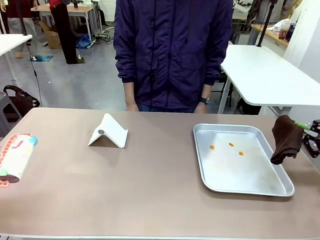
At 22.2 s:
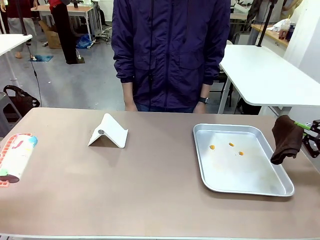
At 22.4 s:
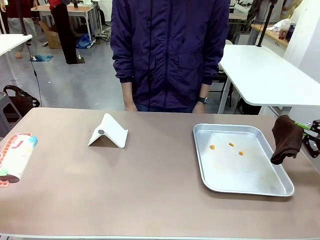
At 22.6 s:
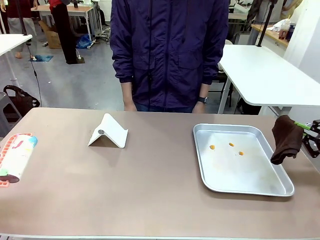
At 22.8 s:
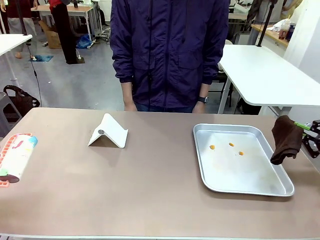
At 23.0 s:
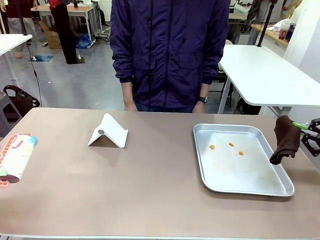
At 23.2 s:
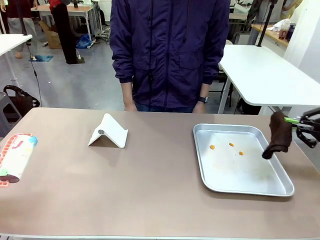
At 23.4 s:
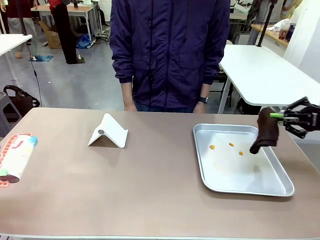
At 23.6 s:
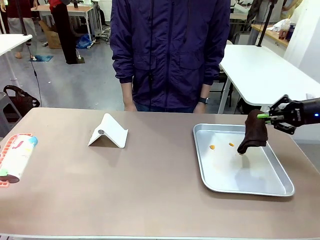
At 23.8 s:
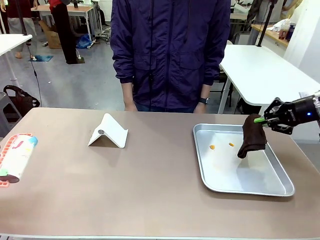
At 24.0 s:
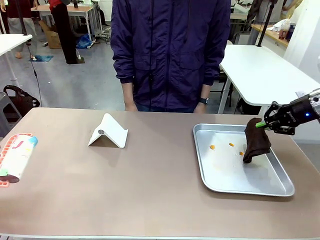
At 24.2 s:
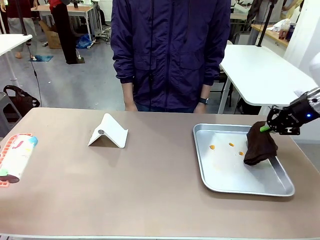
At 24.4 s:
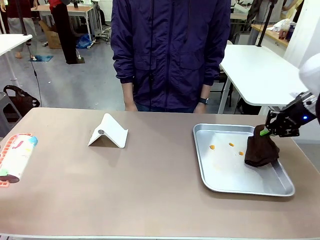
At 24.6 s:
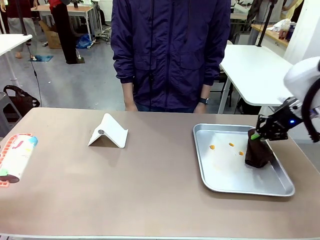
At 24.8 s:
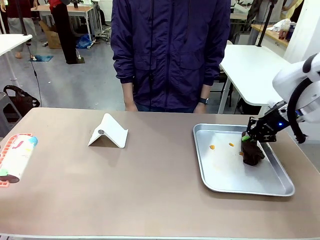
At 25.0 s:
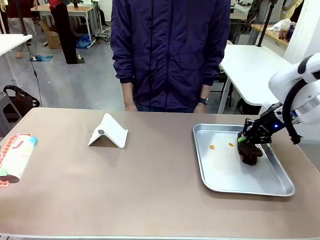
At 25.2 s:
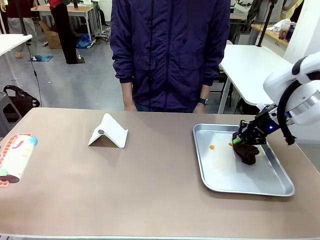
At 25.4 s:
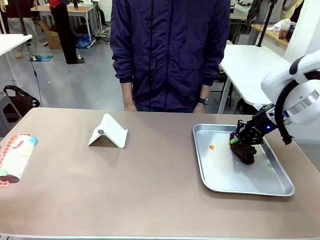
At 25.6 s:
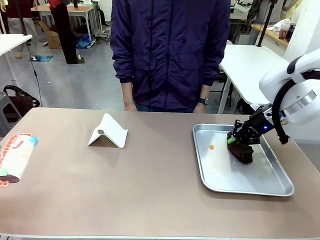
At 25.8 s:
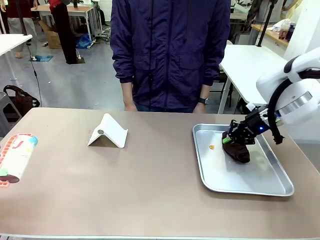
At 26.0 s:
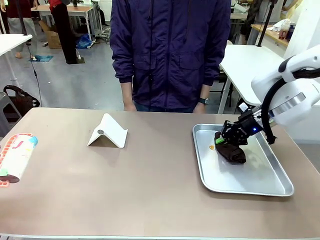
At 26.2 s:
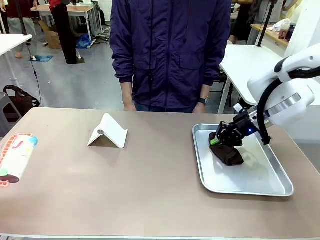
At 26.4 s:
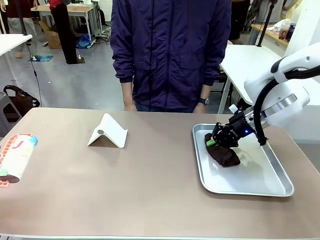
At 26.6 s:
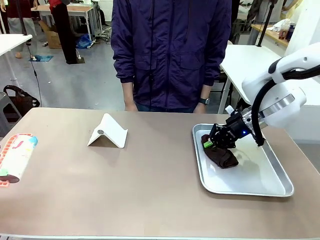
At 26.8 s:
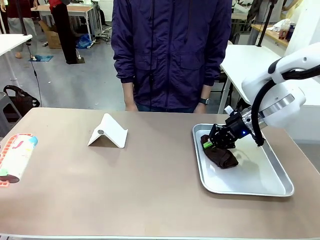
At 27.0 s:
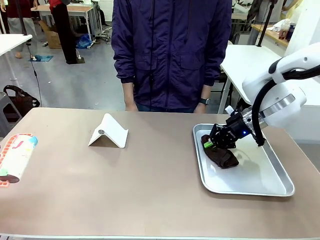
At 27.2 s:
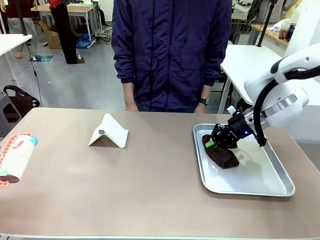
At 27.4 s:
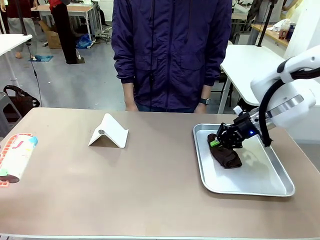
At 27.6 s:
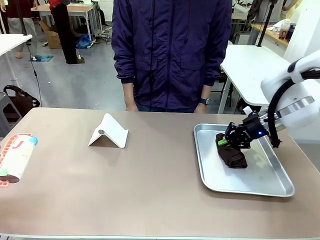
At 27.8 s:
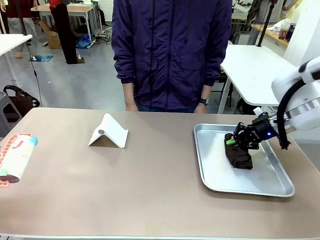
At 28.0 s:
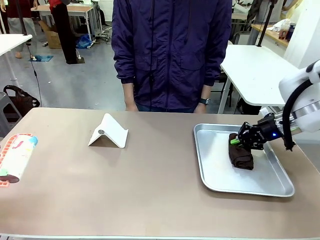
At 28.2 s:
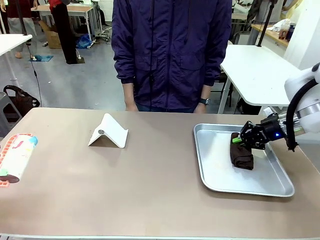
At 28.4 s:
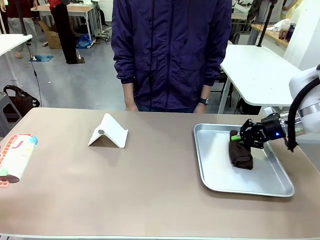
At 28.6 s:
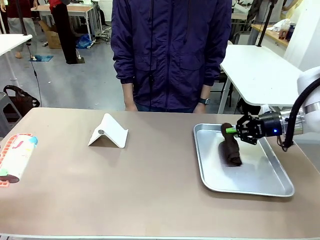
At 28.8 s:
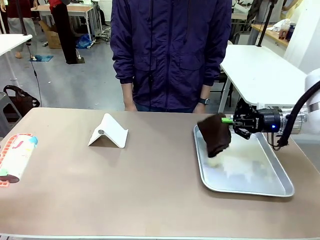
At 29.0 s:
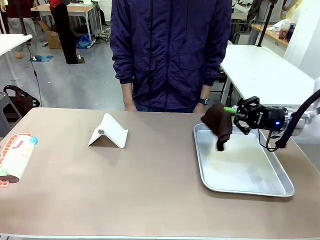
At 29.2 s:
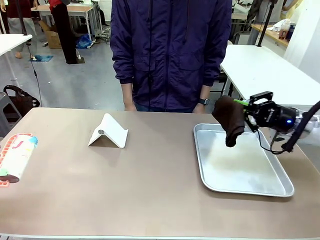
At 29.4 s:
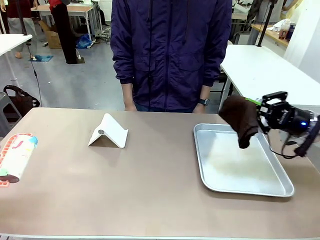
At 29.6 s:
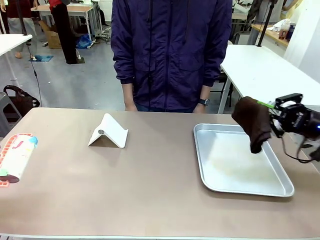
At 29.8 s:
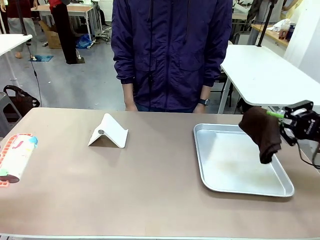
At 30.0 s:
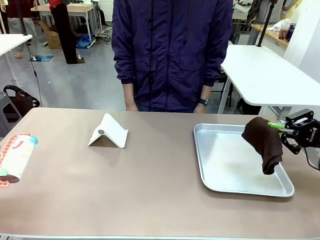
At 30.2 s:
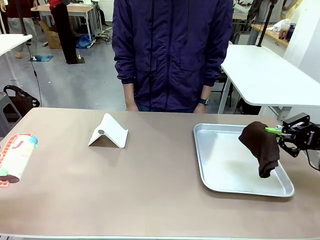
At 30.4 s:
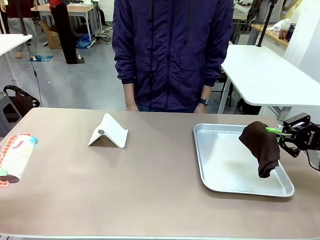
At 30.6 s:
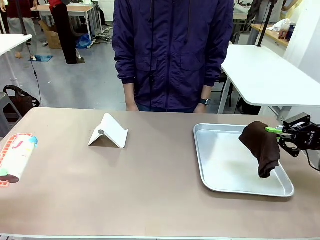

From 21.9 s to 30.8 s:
Task: Clean the surface of the table.
Robot: Clean the area not pointed to by the person.

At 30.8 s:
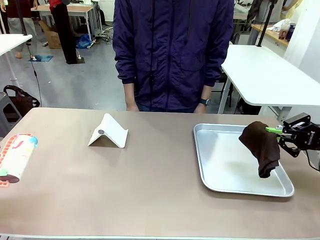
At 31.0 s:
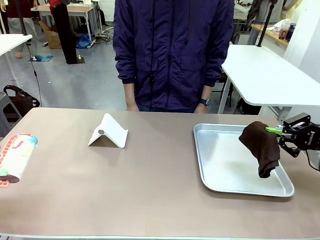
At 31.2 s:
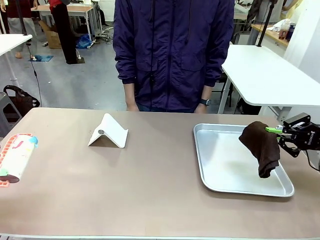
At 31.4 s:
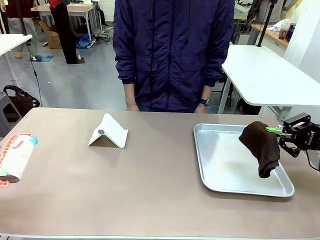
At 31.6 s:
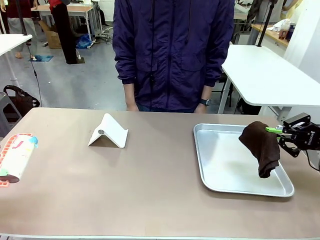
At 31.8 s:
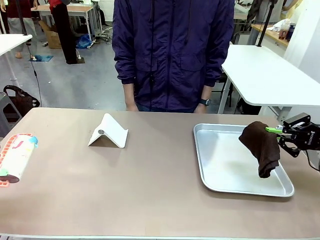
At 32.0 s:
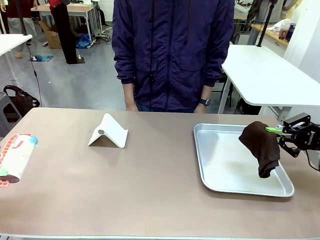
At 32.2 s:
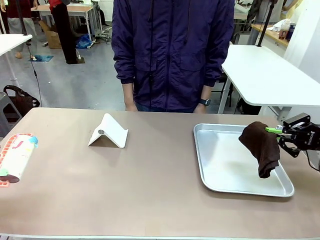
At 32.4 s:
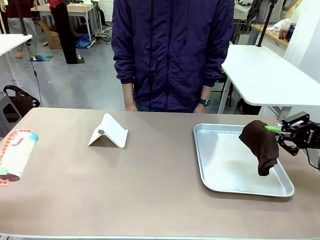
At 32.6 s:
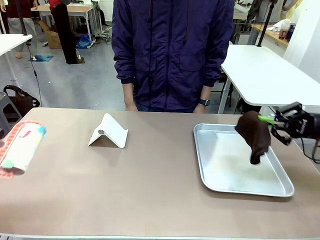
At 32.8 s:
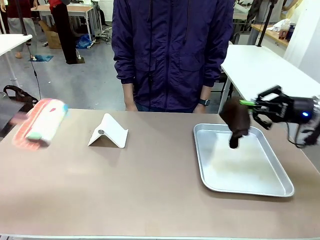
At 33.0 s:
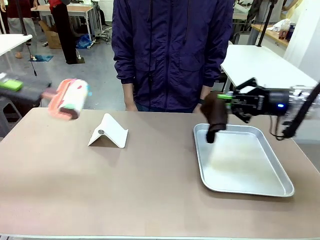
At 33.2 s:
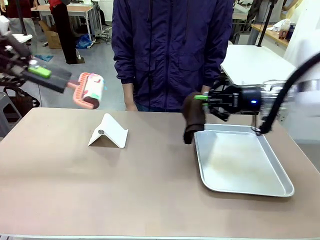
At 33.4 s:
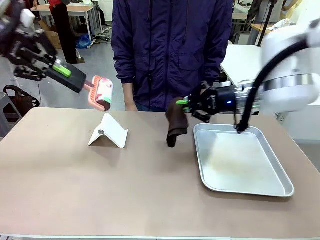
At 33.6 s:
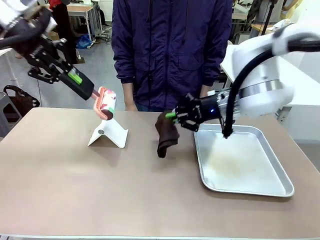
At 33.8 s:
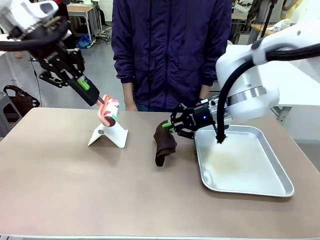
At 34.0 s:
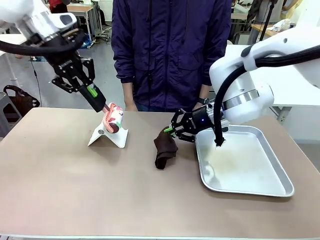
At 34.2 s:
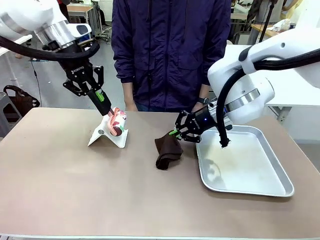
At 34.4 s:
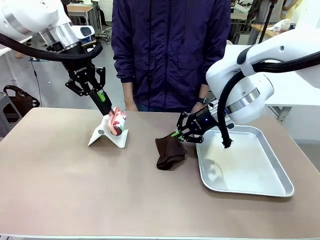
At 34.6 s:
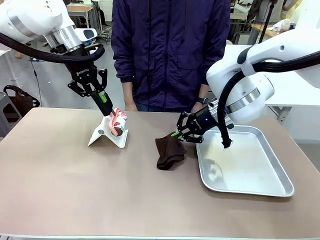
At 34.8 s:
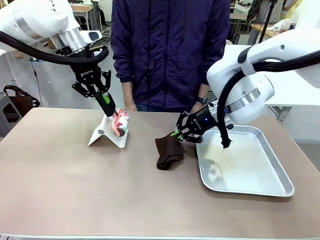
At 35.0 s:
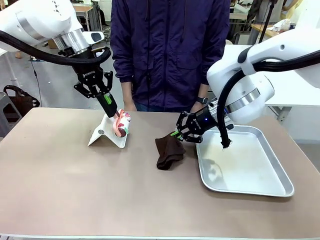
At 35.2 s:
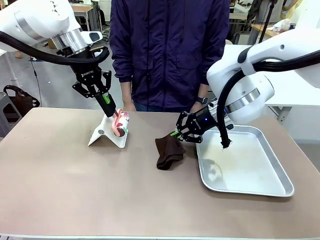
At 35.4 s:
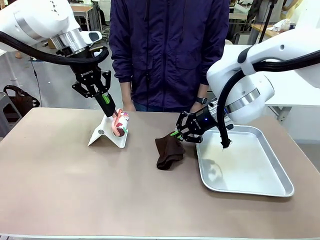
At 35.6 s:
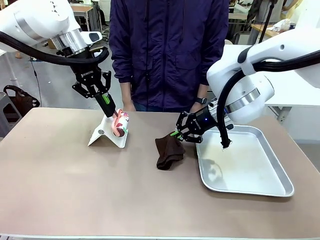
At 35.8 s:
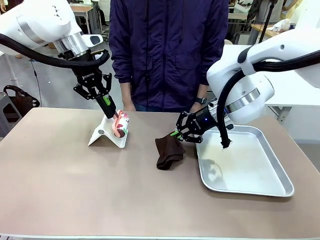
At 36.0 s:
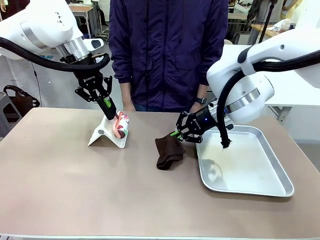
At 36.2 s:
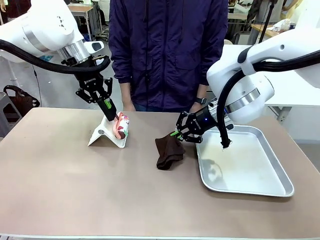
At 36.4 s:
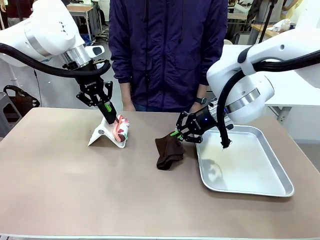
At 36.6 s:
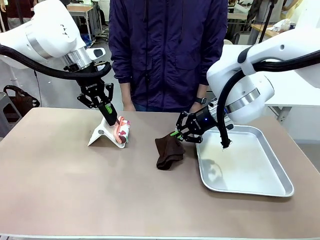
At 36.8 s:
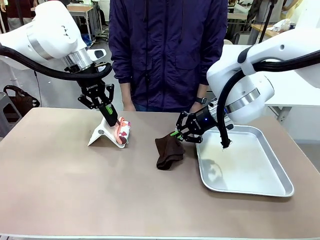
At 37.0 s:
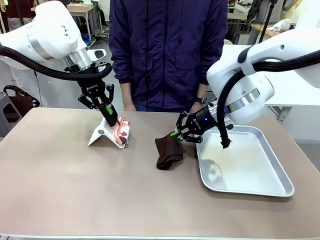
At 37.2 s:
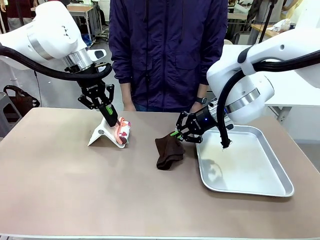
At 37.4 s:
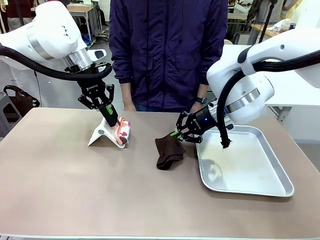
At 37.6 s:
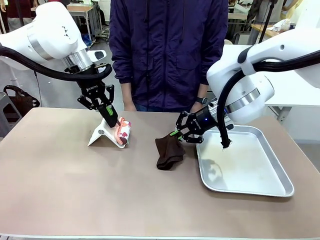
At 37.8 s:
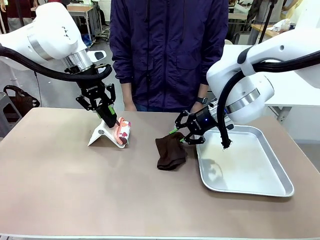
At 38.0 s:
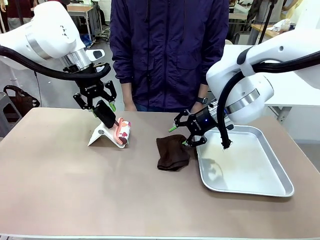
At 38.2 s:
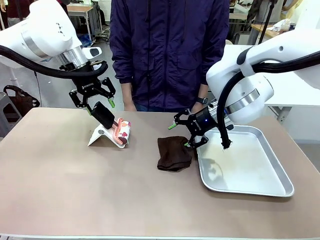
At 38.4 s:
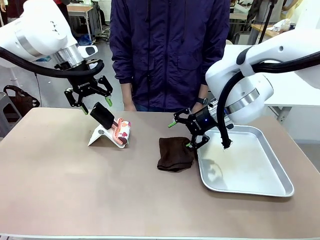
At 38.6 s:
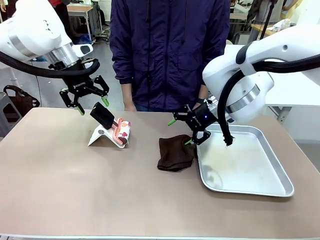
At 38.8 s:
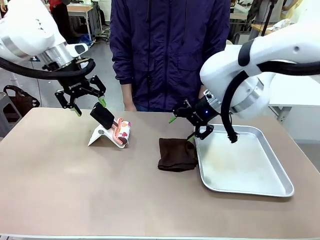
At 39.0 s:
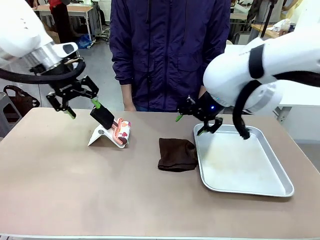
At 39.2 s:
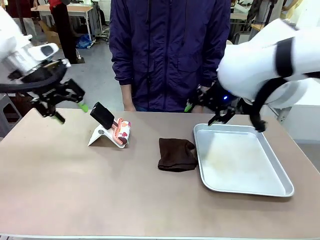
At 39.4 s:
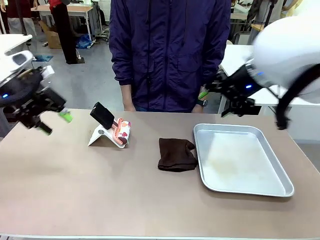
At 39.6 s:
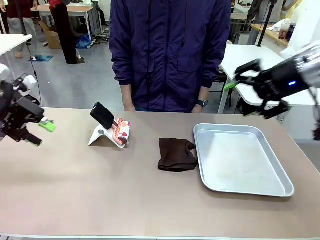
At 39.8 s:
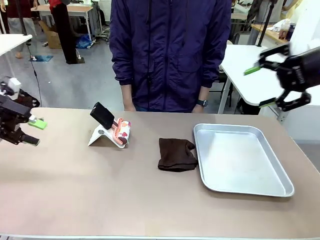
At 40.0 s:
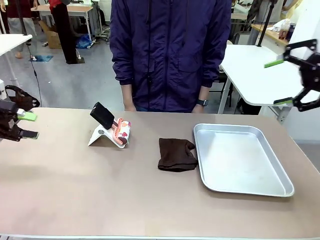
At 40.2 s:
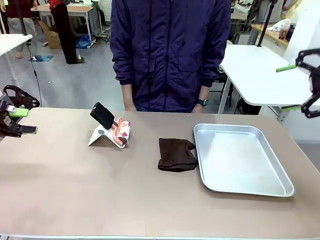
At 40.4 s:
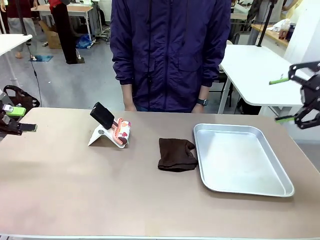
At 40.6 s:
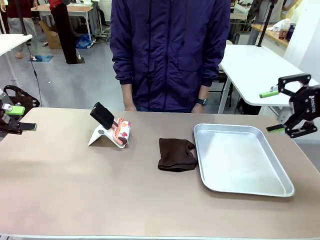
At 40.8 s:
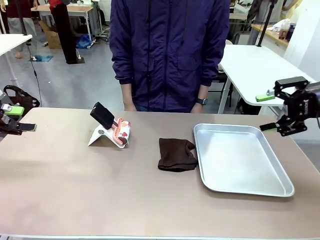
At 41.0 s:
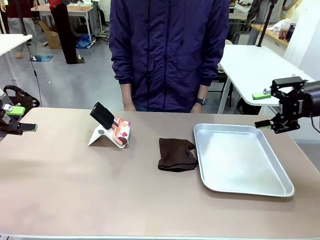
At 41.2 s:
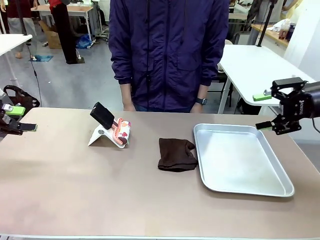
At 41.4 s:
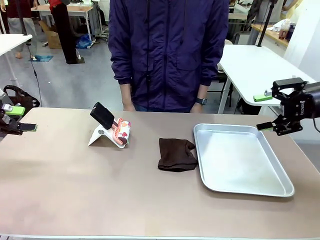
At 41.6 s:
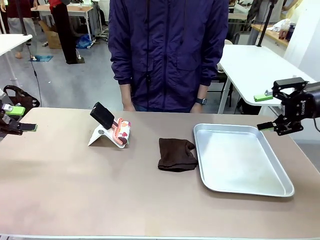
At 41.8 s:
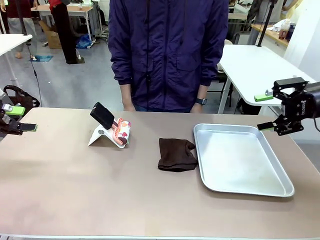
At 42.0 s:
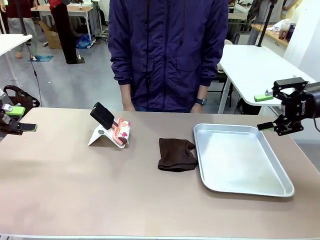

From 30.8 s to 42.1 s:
Robot: Return the Lint Roller and towel to their original positions.
